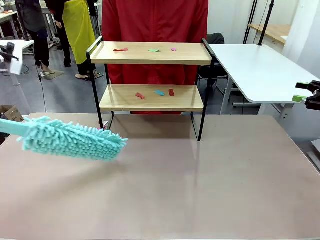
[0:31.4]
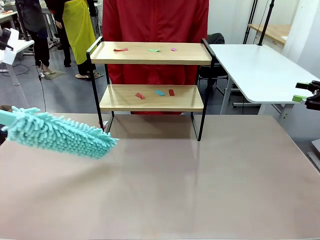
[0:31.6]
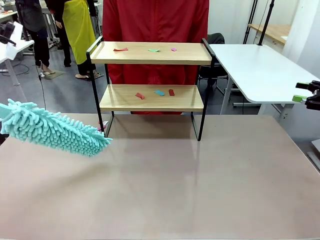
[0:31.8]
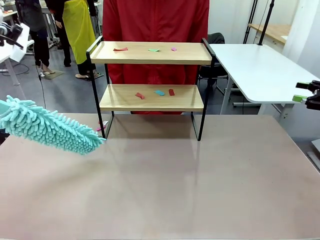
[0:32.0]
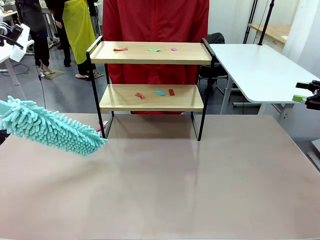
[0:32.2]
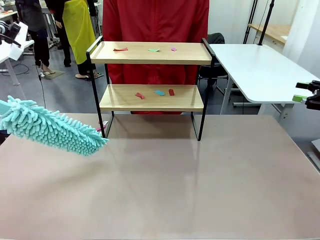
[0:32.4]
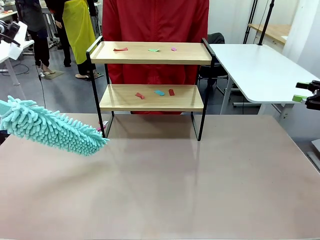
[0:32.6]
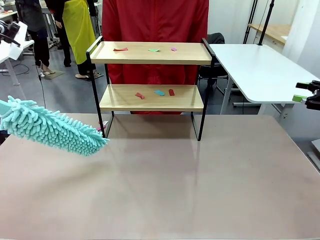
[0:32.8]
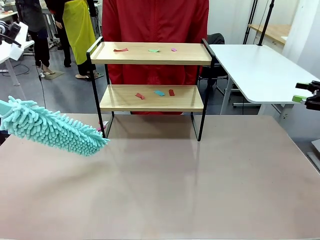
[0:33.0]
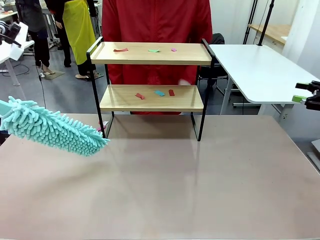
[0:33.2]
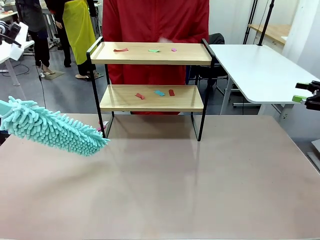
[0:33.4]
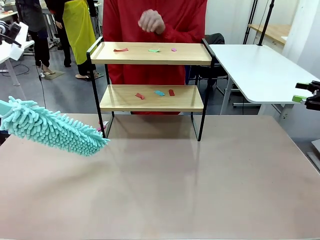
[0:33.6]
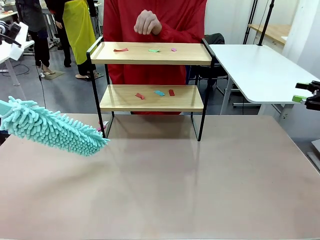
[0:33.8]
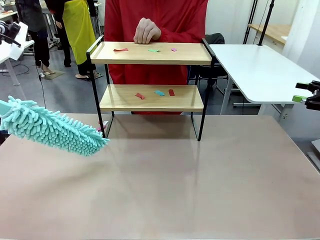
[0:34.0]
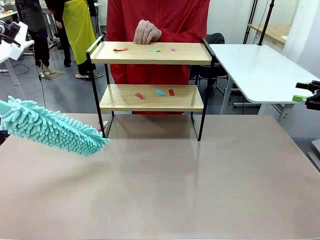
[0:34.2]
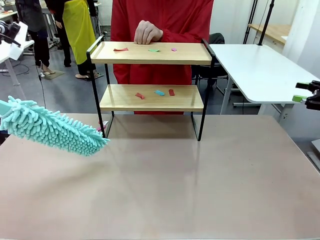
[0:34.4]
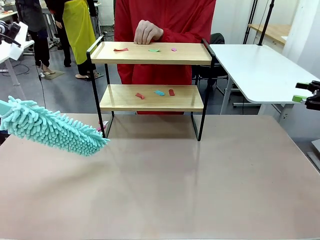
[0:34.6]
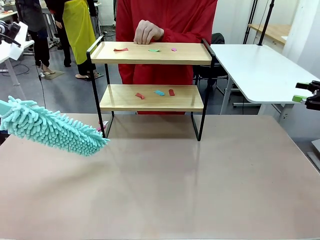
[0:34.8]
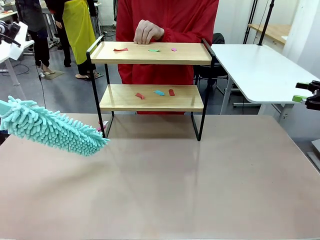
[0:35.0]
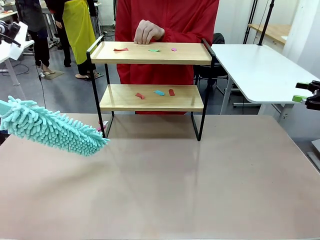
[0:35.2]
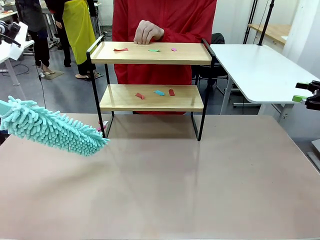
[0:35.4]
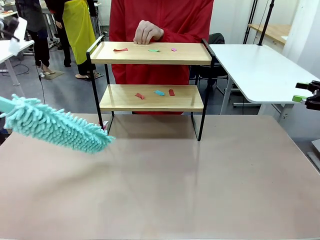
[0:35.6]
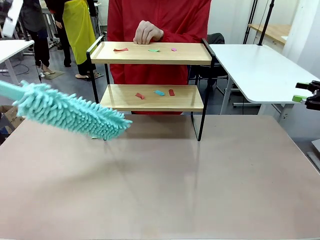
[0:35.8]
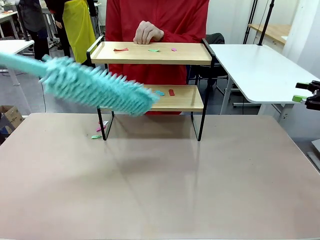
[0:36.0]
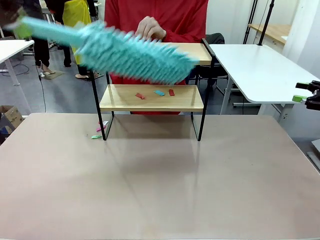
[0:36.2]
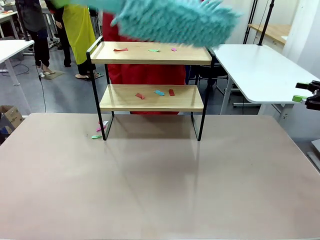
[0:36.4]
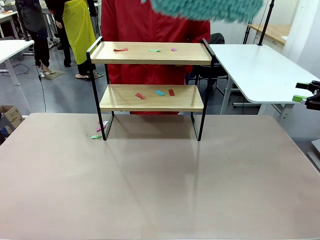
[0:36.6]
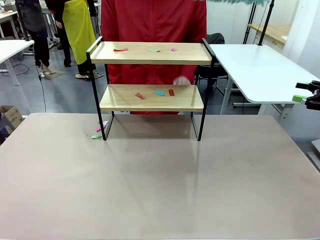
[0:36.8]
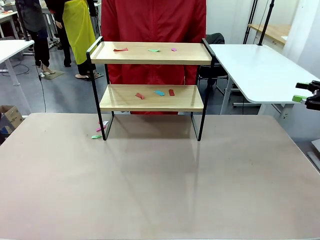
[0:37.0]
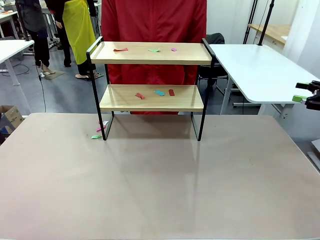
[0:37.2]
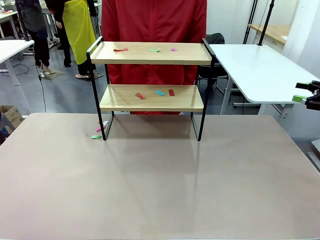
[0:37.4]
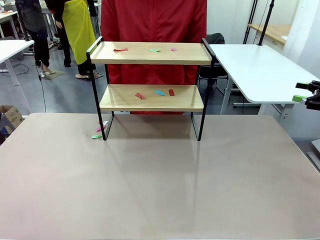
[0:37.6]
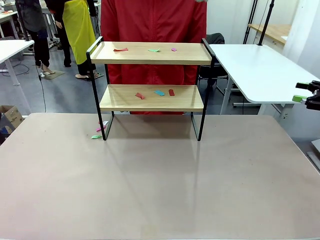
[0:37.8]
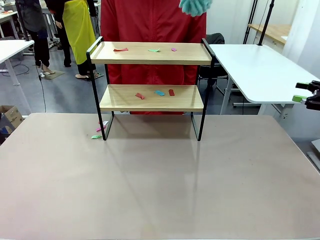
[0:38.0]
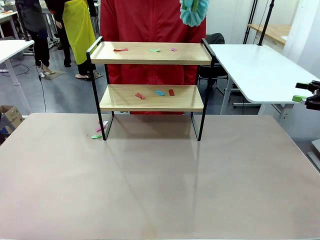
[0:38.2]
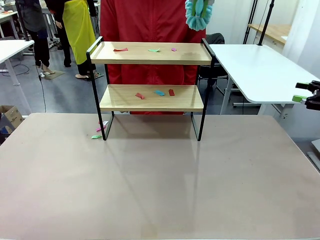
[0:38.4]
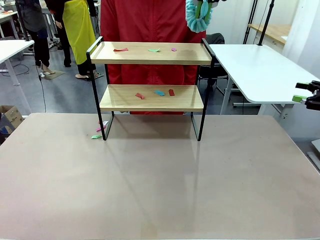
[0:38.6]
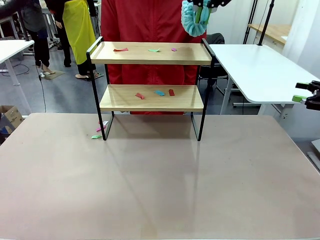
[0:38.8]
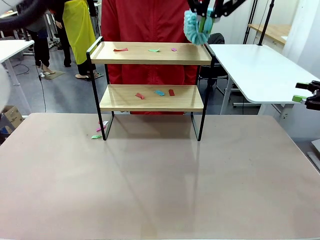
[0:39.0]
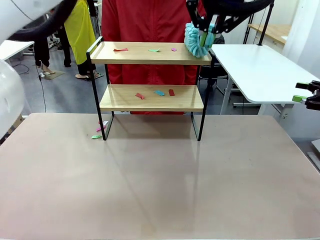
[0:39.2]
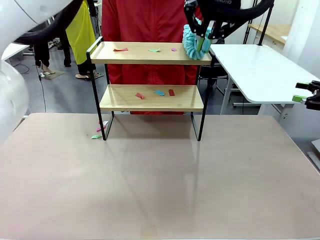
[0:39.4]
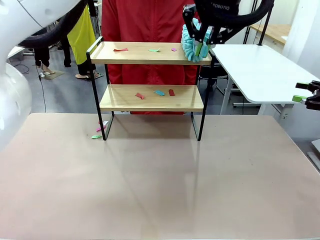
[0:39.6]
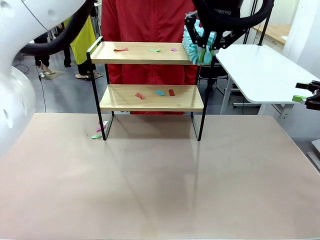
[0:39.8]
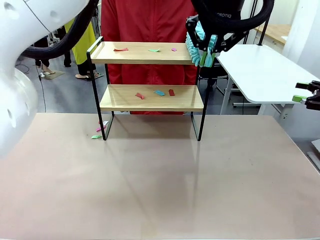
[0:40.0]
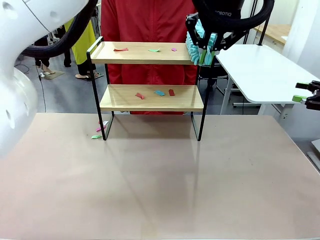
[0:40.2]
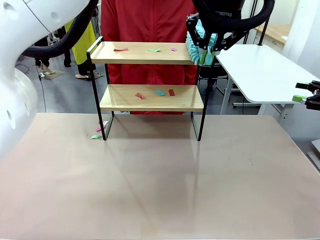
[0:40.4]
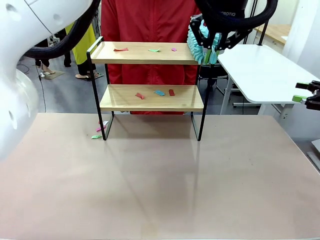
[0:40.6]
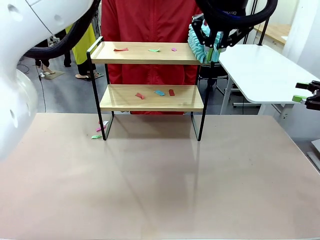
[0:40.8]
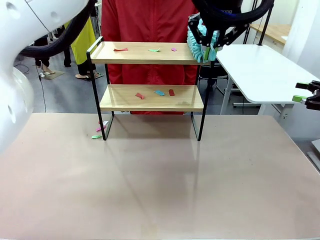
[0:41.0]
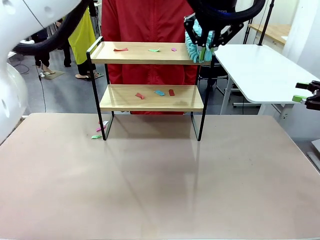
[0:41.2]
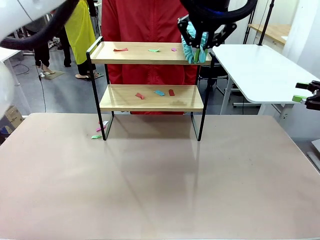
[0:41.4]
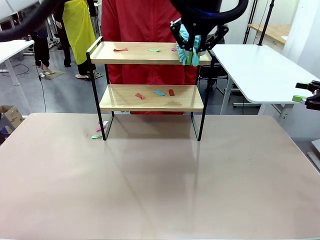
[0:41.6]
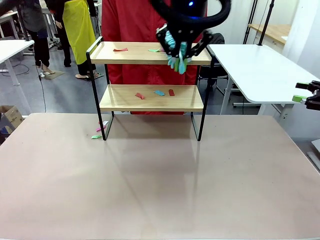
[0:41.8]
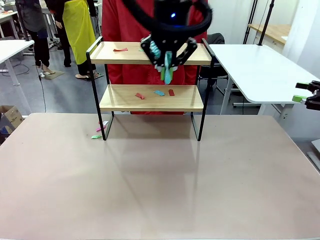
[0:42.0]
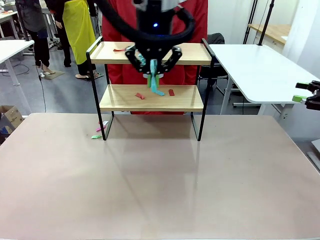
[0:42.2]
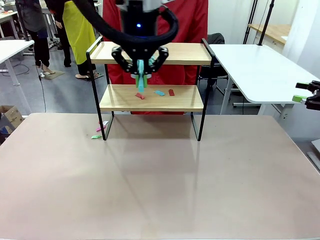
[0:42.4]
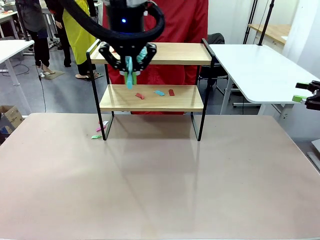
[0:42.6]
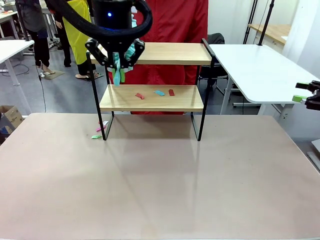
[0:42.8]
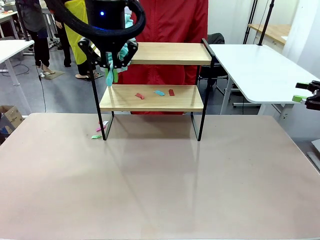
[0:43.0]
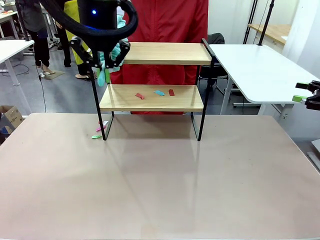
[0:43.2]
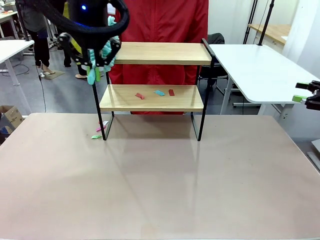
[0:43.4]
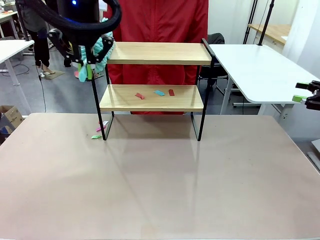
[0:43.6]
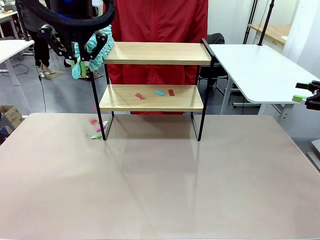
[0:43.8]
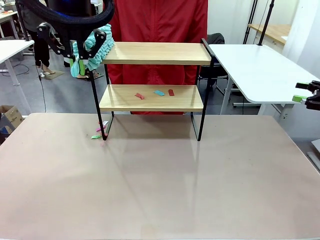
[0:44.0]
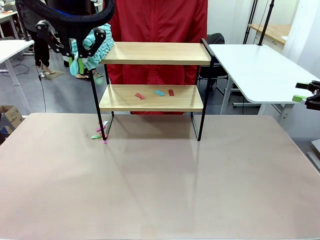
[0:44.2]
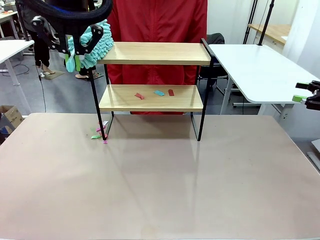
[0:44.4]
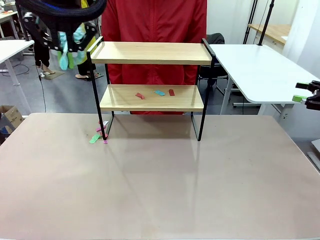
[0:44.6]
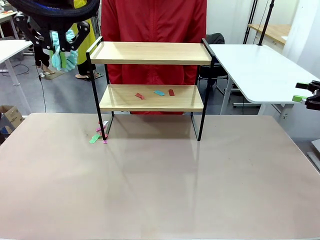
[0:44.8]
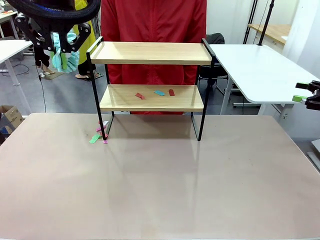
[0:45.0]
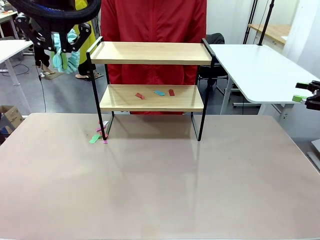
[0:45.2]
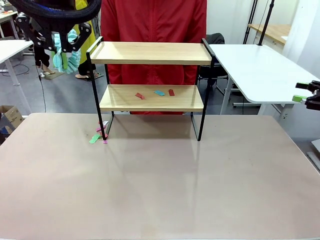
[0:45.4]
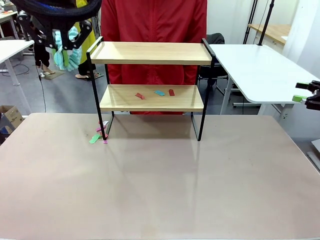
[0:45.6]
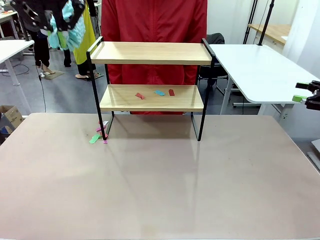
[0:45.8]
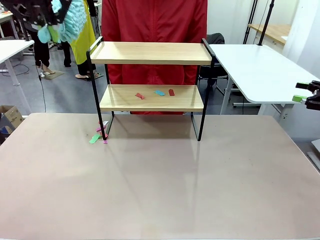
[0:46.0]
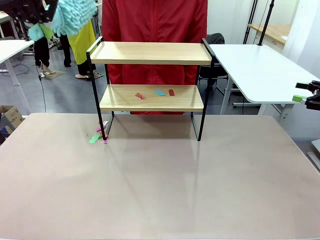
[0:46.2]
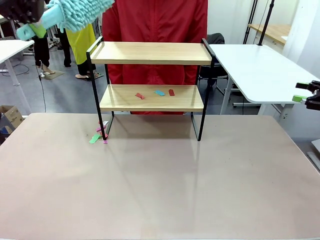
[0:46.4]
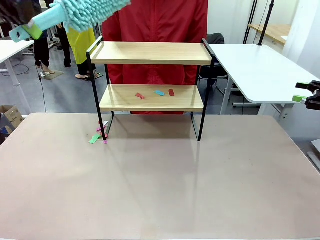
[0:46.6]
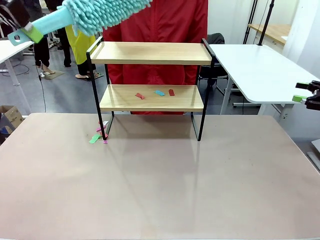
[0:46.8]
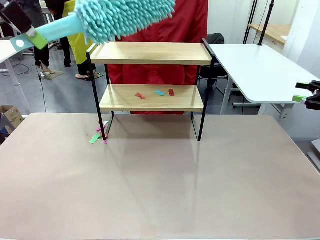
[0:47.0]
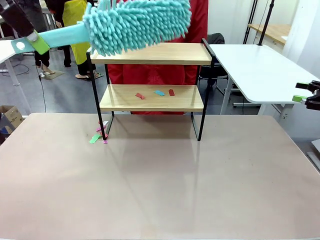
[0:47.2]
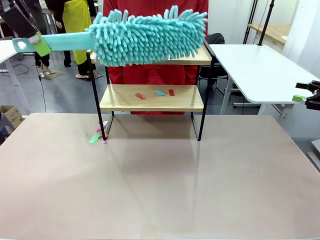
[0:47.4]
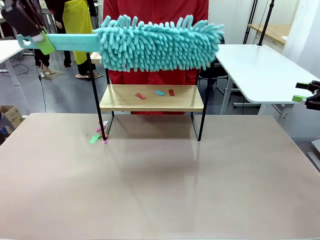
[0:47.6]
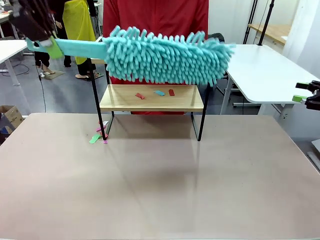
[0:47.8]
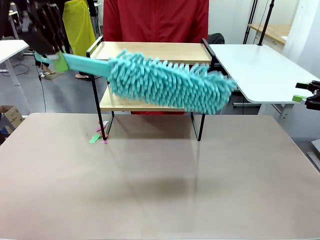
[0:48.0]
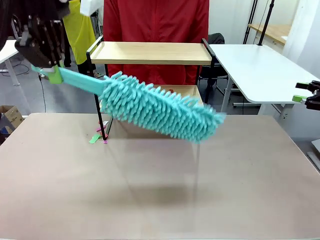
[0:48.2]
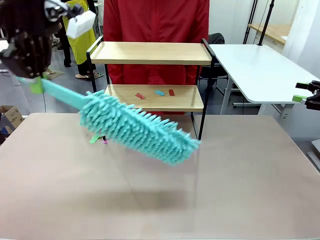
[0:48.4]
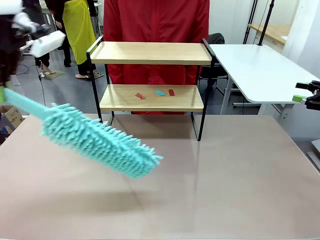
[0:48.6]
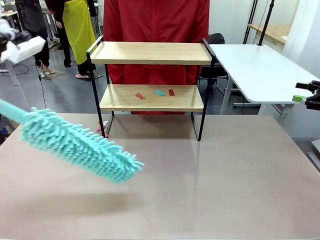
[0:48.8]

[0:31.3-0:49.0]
Task: Clean the shelf.
Robot: Clean the specific section of the Shelf indicated by the human with the Duster.
Person: Point a remaining section of the Shelf.

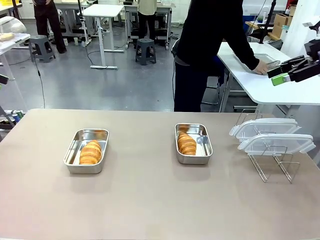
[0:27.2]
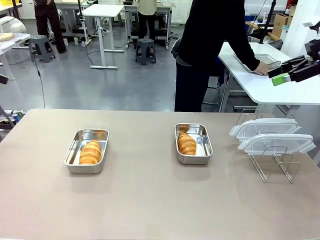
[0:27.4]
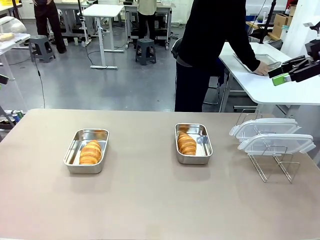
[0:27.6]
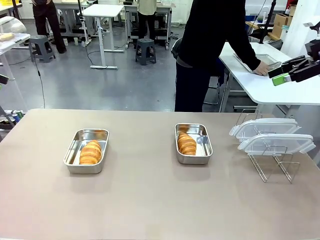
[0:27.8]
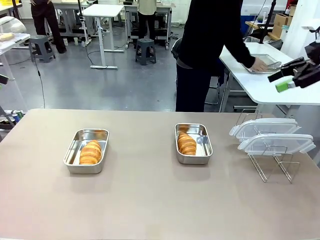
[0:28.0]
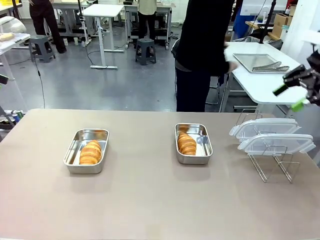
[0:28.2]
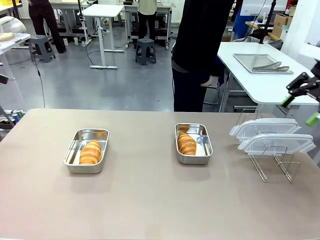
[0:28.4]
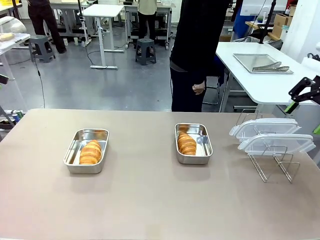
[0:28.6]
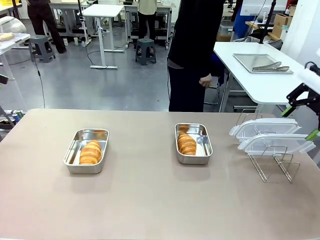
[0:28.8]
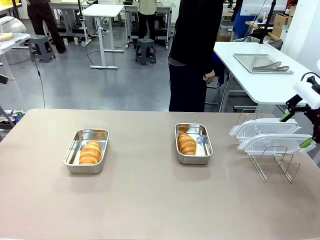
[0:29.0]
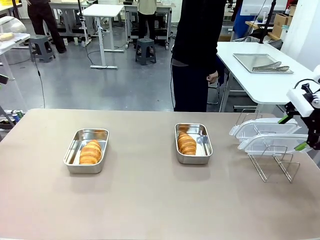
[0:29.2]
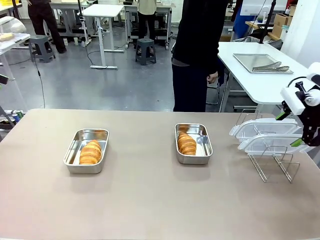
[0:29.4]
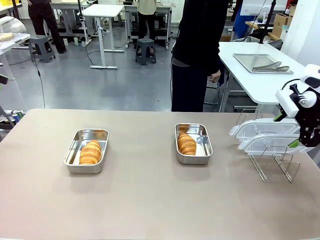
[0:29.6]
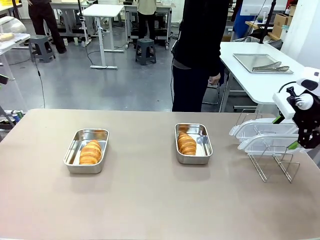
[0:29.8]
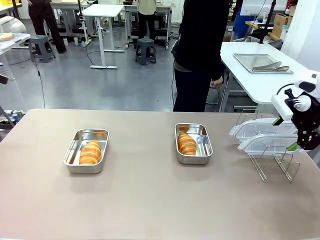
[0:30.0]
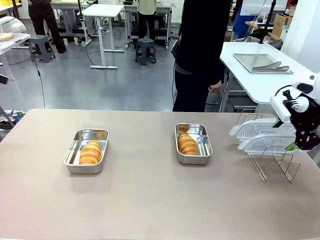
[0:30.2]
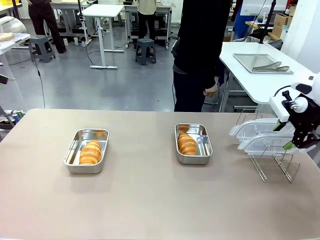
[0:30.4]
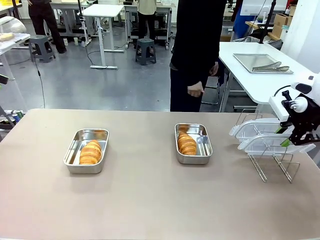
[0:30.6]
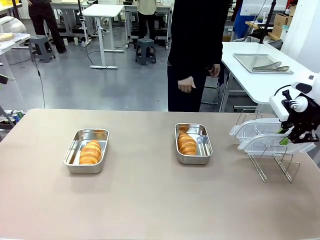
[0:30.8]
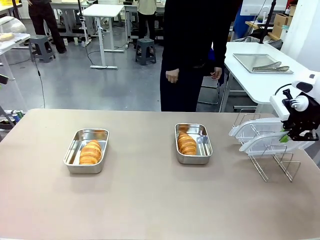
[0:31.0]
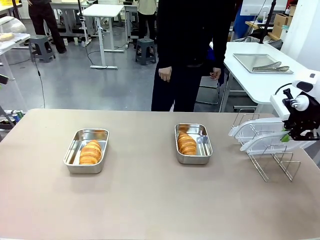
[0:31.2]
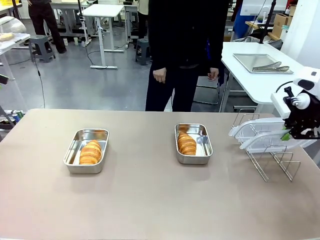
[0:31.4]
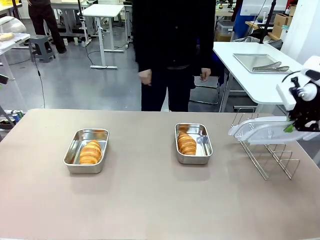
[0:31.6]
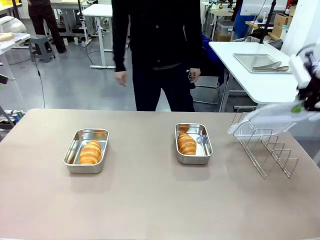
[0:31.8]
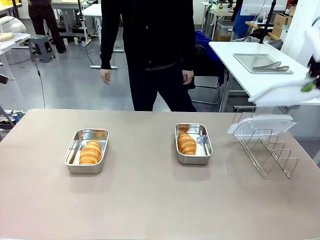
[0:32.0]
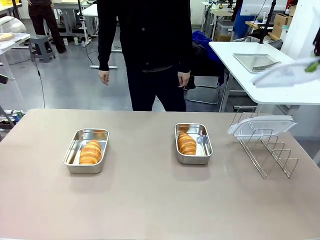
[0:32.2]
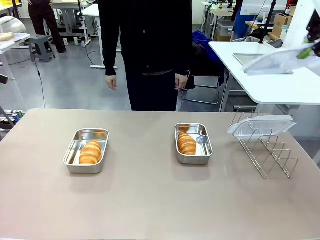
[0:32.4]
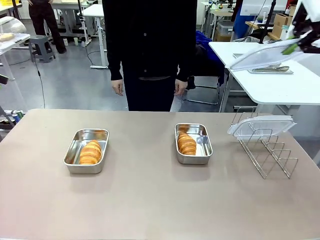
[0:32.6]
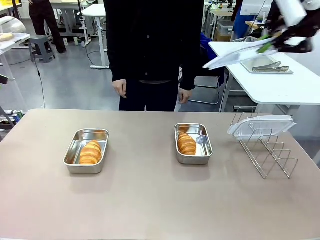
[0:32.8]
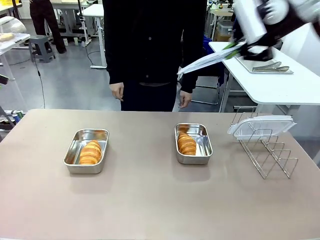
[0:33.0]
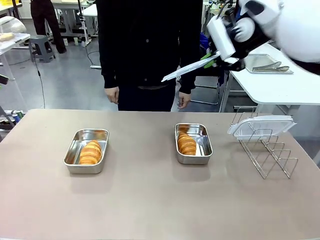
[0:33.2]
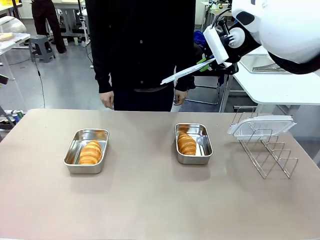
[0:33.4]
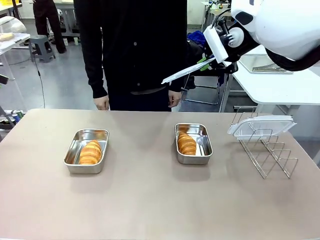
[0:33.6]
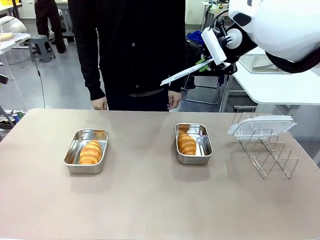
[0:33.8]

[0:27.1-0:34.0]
Task: Place the bread in airtight containers.
Robot: Pick up one Airtight Container lid and hand it to the human.
Person: Grip Airtight Container lid that robot is handing.
